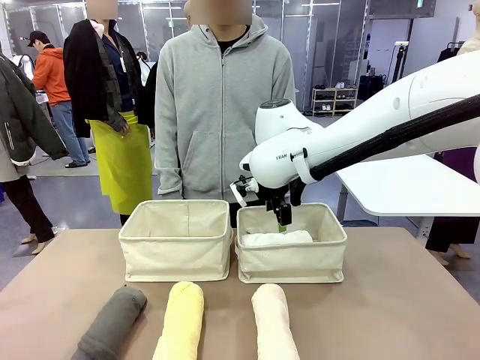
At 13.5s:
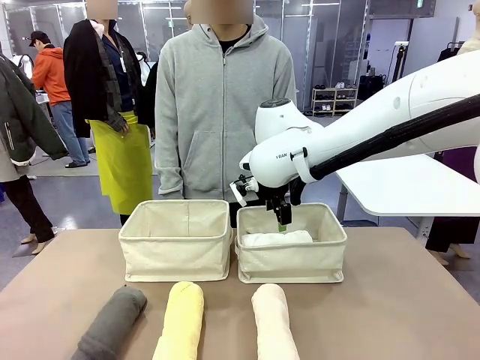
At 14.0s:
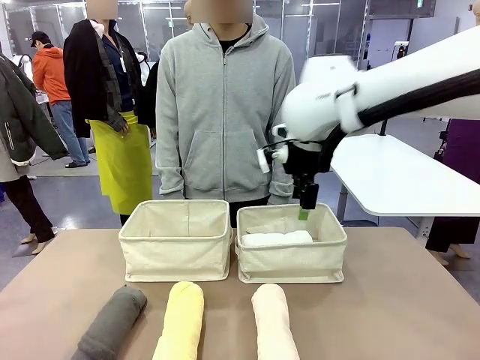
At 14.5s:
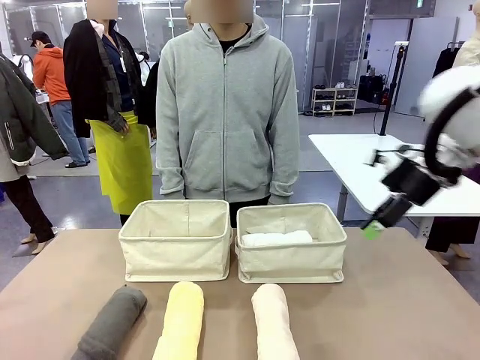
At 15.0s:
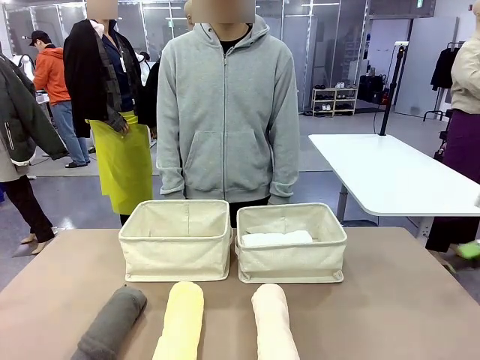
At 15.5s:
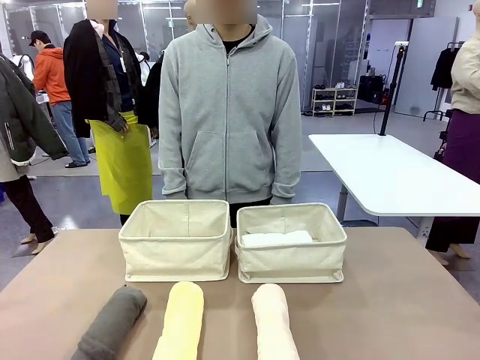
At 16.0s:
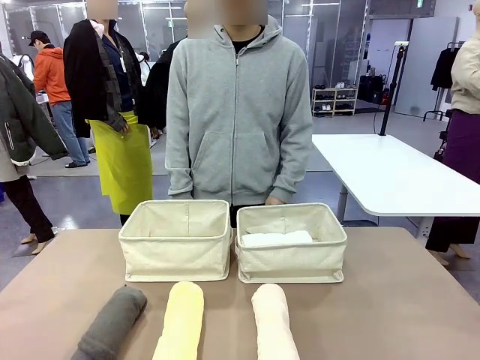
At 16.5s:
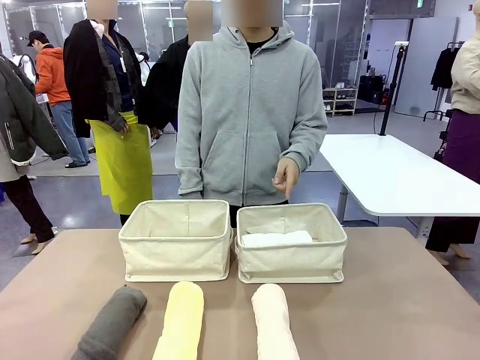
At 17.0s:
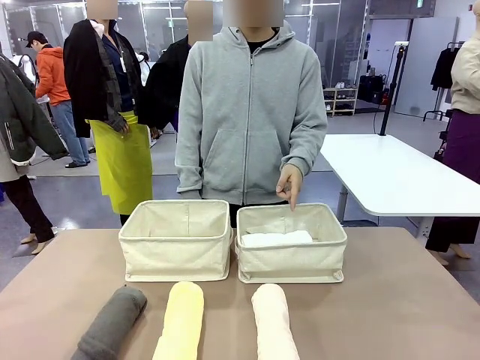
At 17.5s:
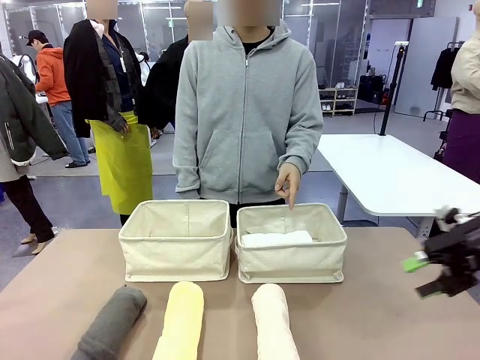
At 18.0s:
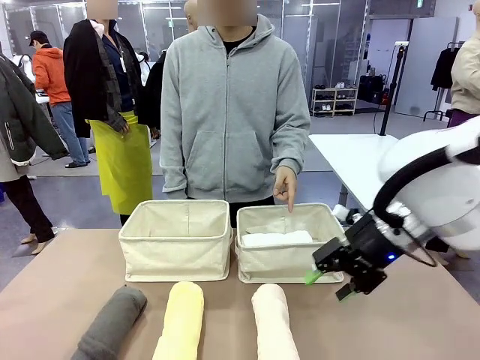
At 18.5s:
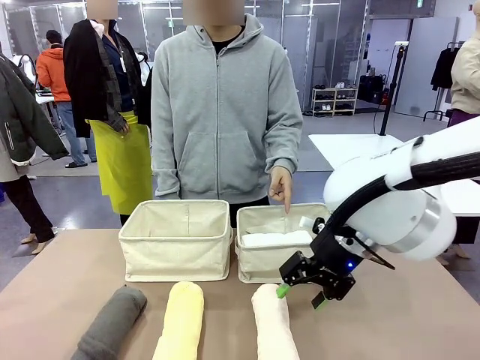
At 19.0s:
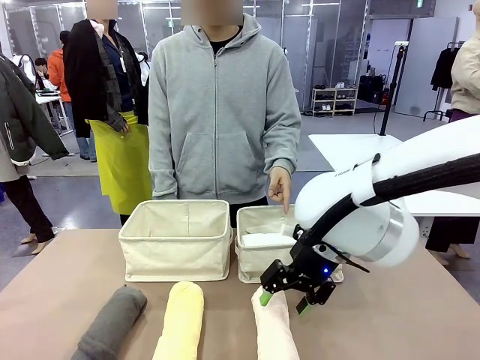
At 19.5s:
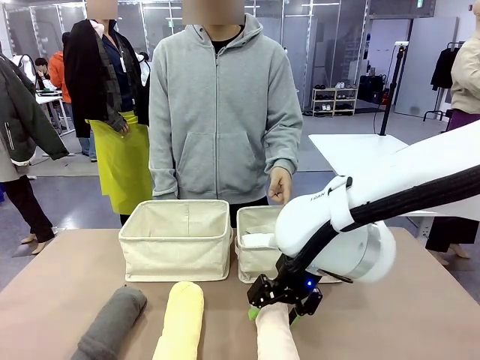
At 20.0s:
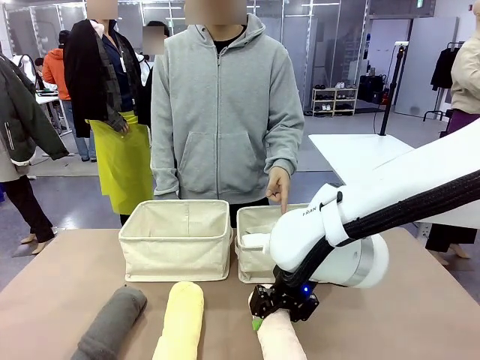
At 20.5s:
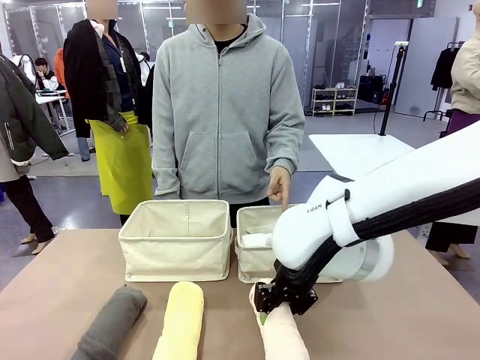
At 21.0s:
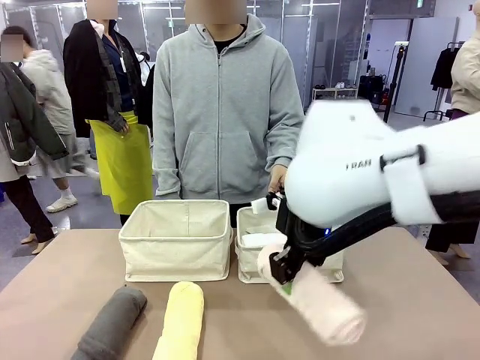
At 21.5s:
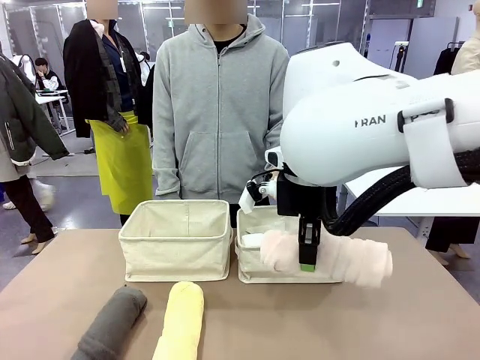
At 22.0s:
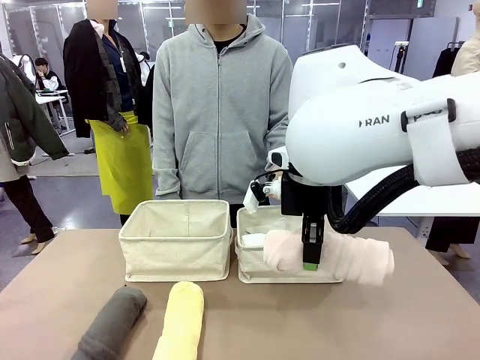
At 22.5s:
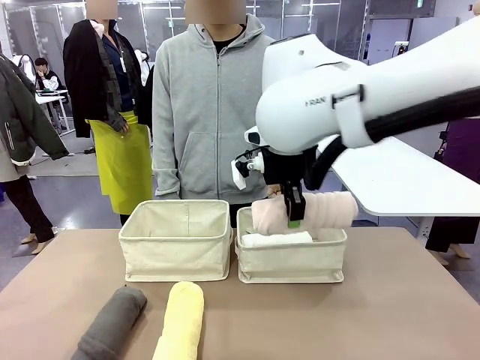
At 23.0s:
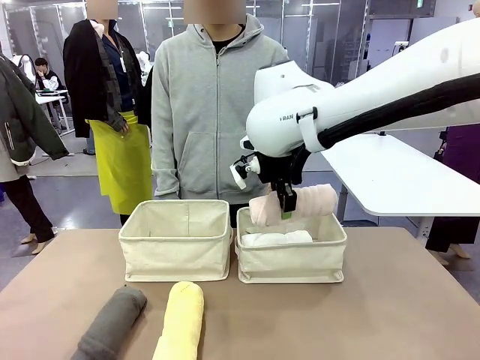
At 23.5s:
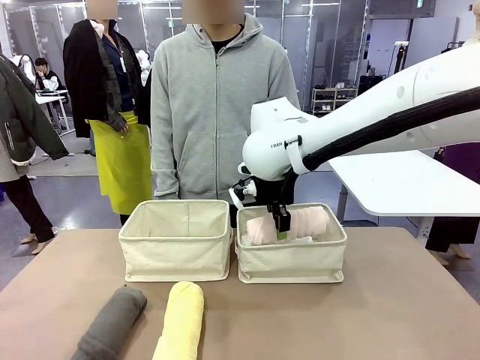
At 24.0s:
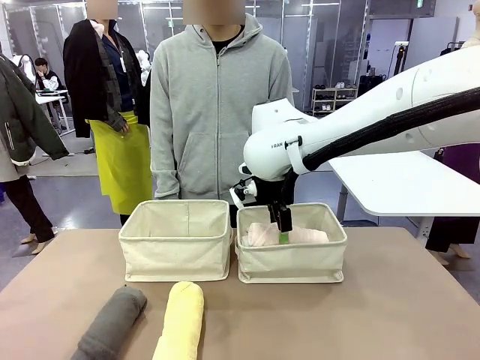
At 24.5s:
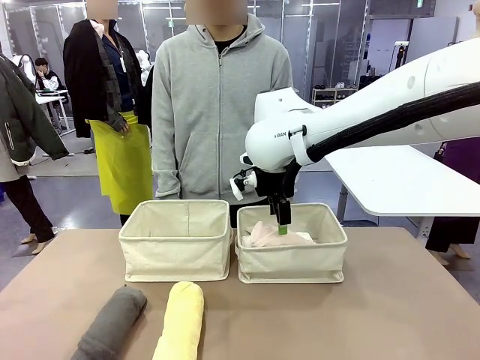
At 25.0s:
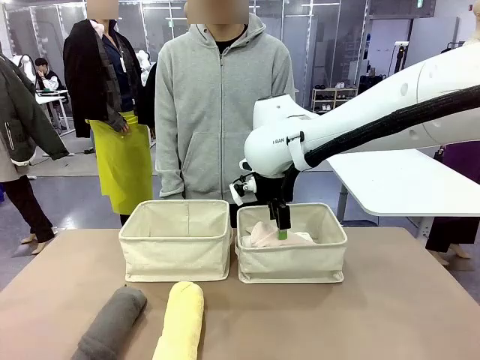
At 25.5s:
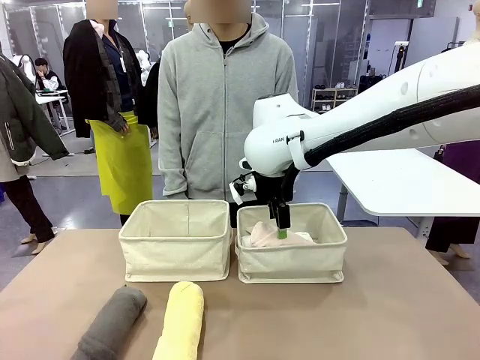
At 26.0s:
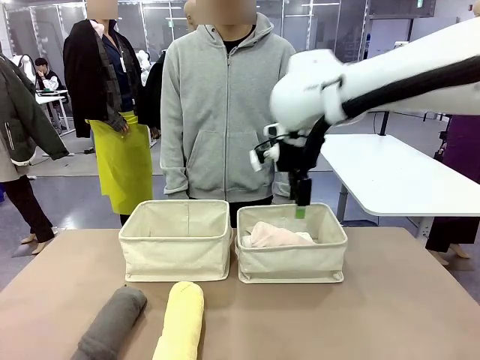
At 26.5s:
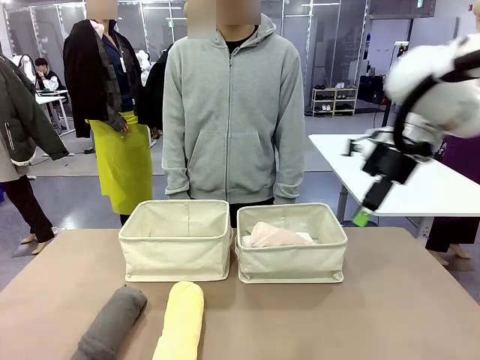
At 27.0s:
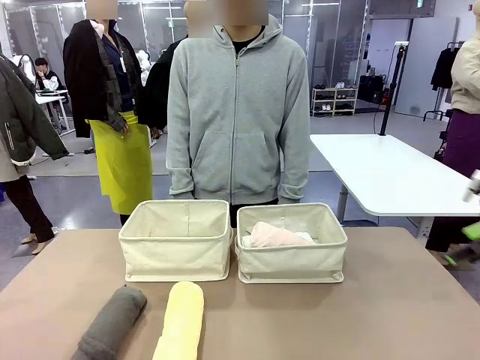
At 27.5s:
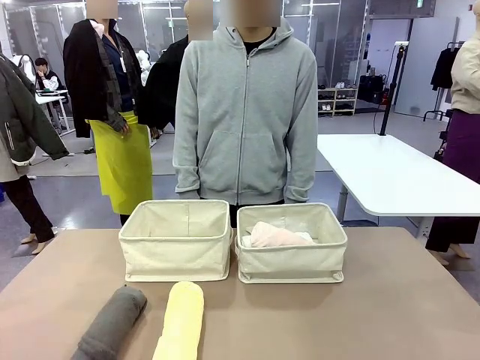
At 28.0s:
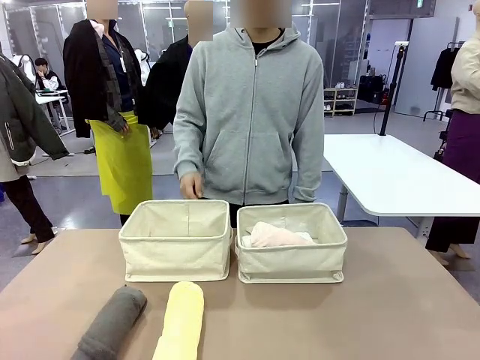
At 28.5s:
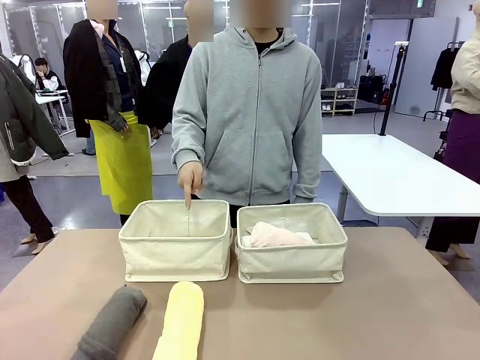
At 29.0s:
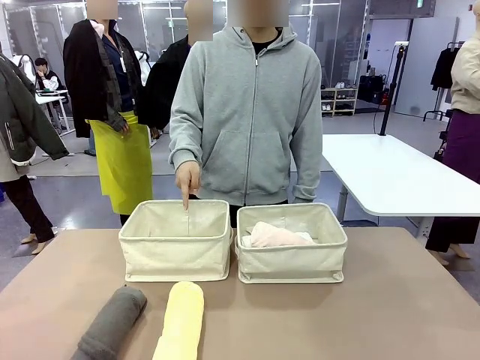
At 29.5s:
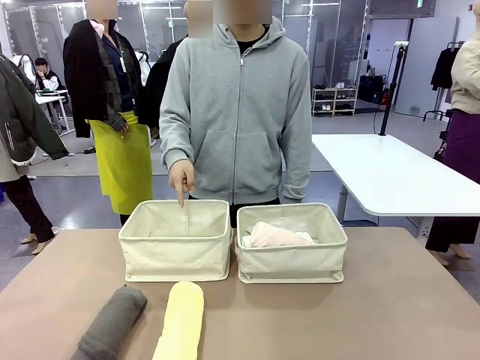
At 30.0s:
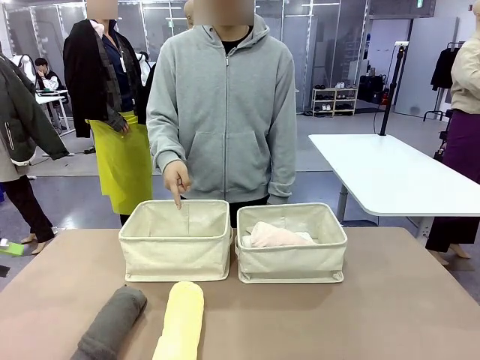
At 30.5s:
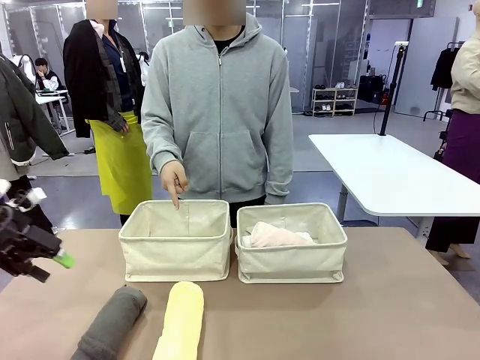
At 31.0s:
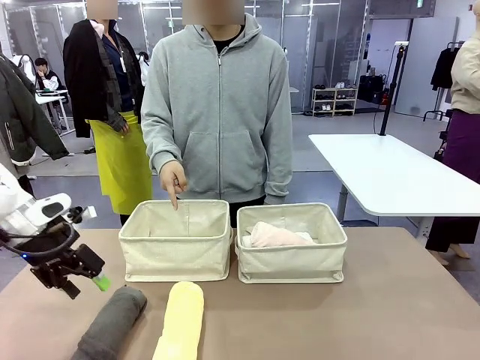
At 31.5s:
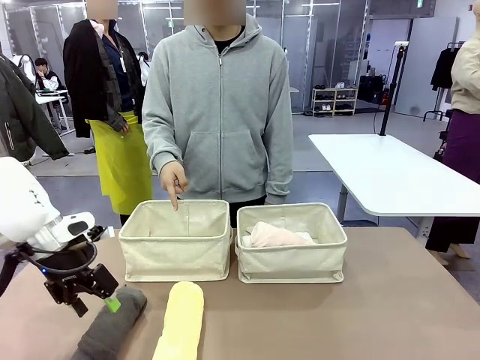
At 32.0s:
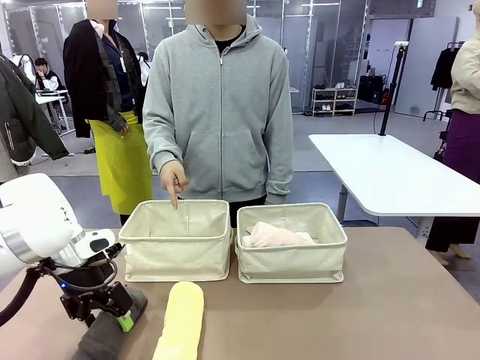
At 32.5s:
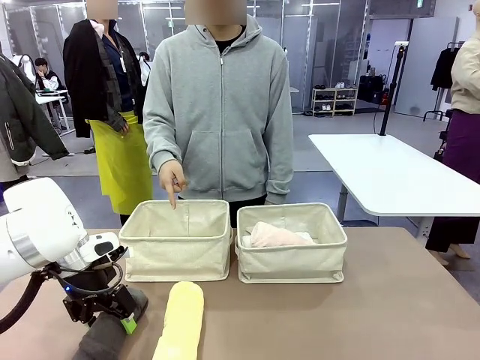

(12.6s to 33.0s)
Task: Divide the towels into two baskets.
Robot: Pick up one hotel-folded towel from the bottom of the table and place it in the Fabric basket indicated by the person.
